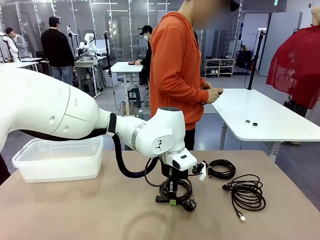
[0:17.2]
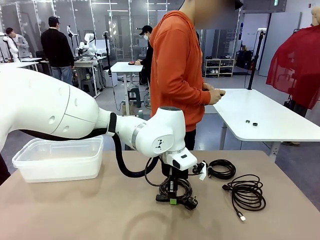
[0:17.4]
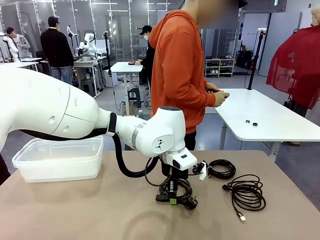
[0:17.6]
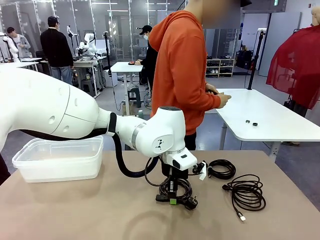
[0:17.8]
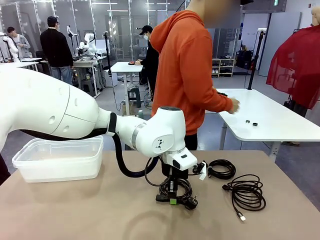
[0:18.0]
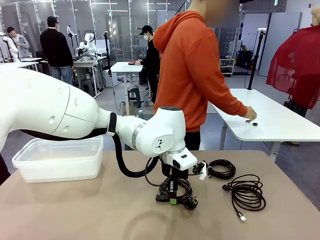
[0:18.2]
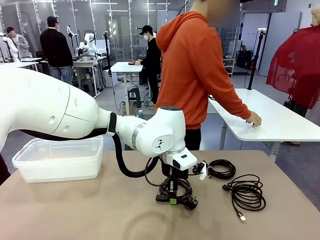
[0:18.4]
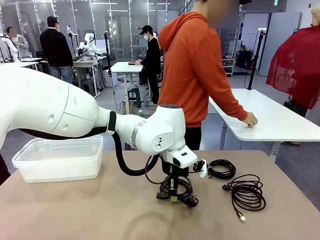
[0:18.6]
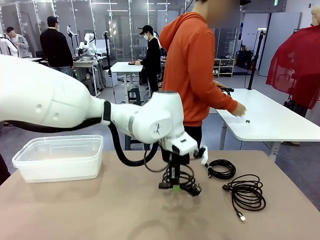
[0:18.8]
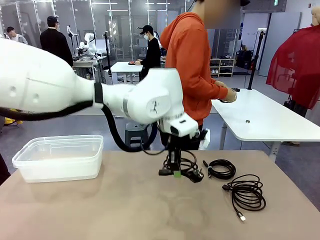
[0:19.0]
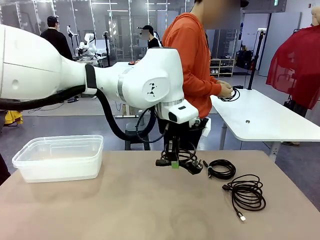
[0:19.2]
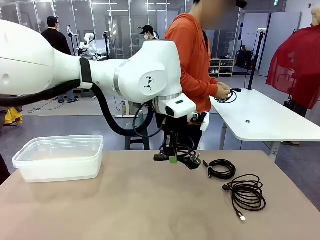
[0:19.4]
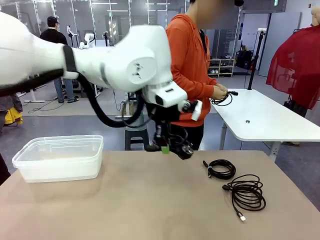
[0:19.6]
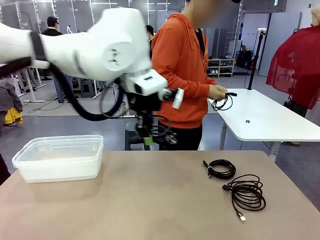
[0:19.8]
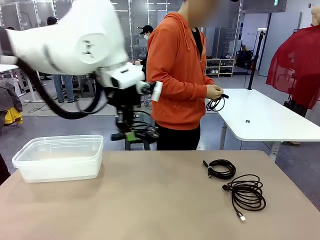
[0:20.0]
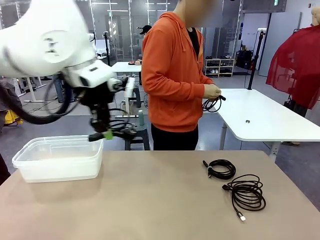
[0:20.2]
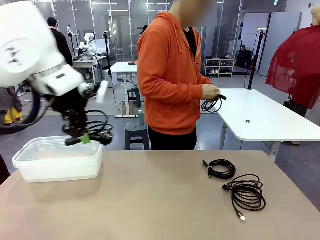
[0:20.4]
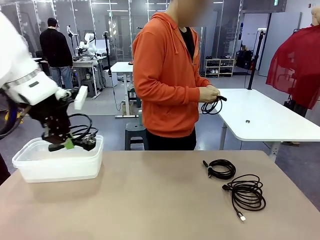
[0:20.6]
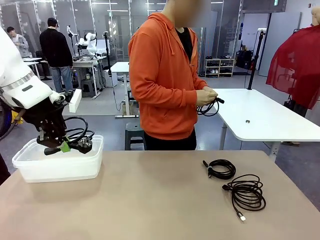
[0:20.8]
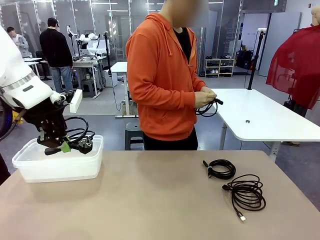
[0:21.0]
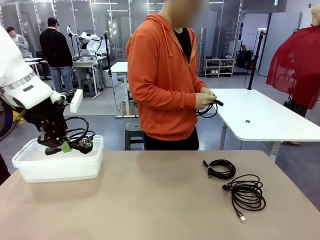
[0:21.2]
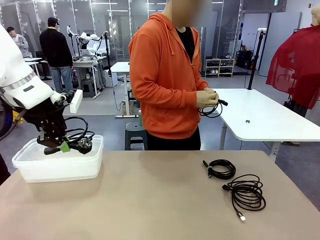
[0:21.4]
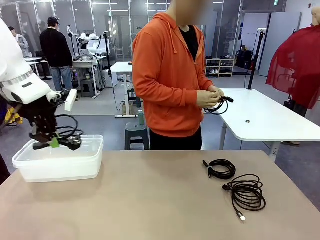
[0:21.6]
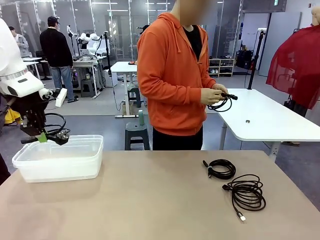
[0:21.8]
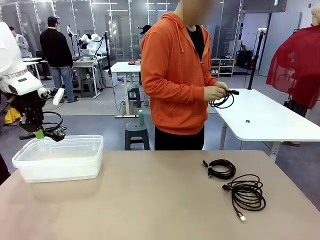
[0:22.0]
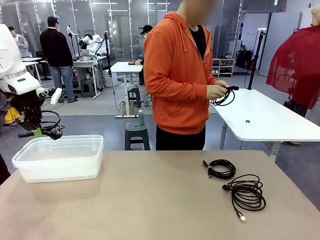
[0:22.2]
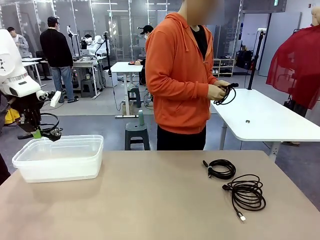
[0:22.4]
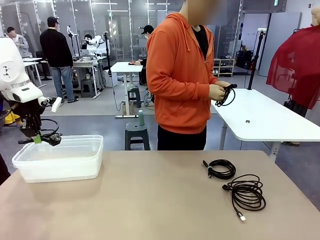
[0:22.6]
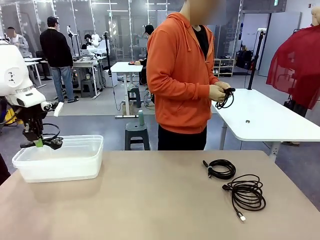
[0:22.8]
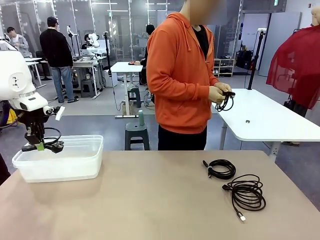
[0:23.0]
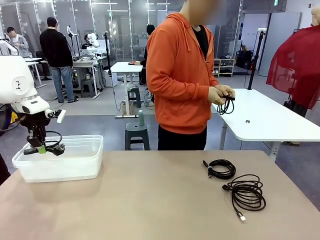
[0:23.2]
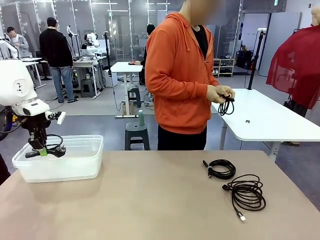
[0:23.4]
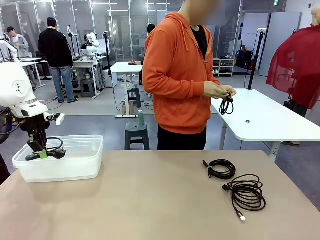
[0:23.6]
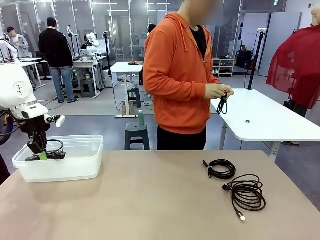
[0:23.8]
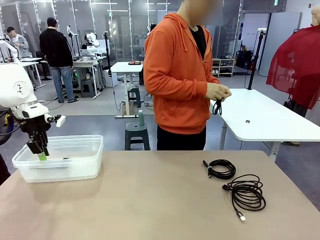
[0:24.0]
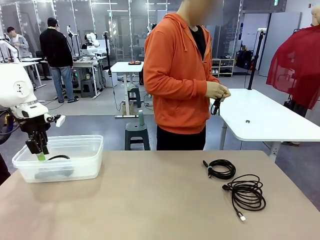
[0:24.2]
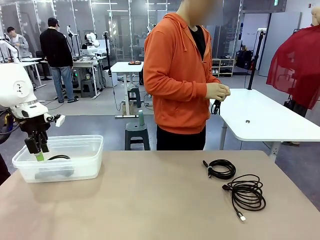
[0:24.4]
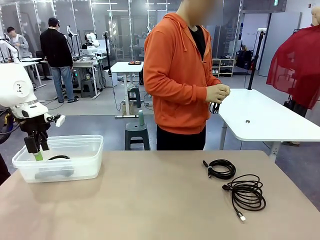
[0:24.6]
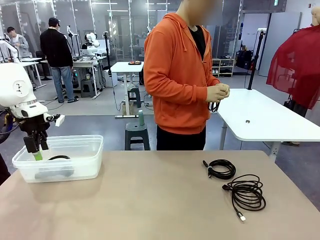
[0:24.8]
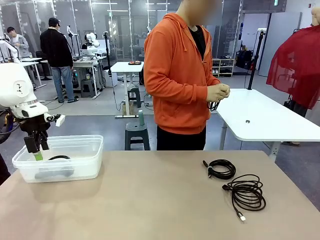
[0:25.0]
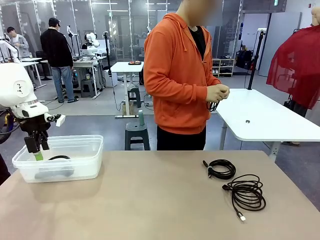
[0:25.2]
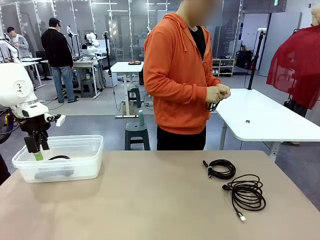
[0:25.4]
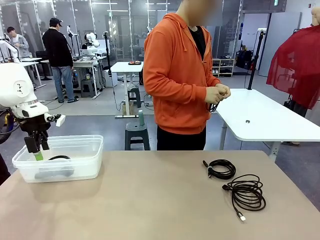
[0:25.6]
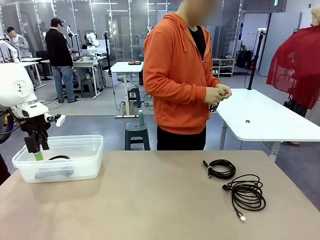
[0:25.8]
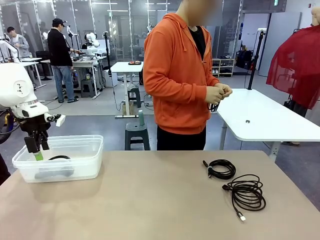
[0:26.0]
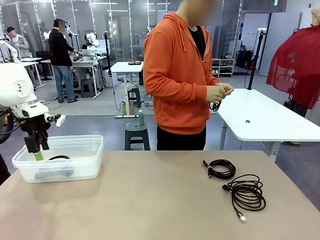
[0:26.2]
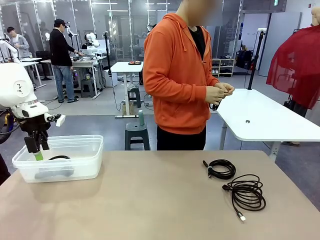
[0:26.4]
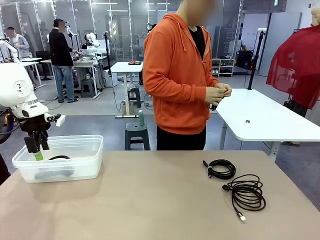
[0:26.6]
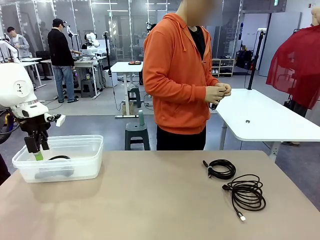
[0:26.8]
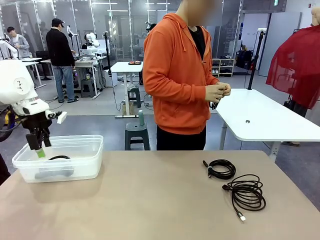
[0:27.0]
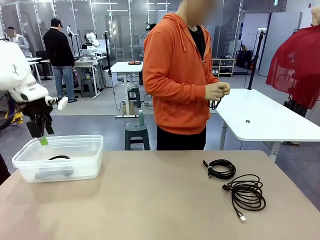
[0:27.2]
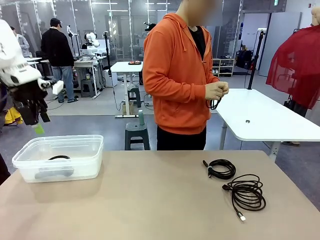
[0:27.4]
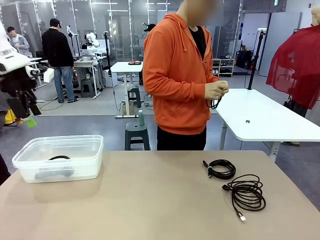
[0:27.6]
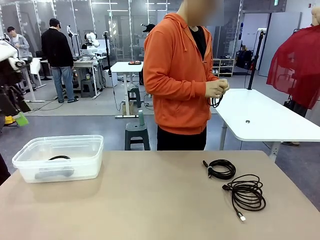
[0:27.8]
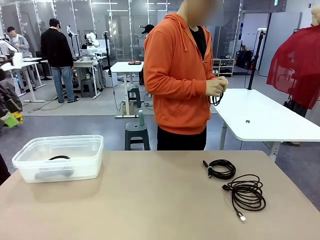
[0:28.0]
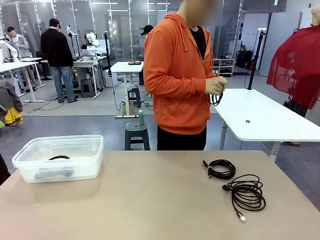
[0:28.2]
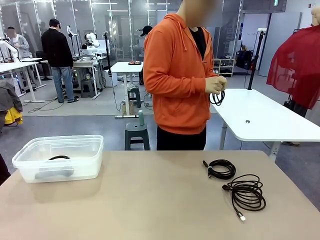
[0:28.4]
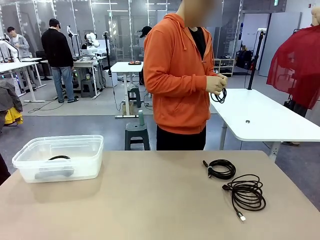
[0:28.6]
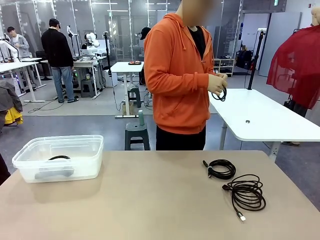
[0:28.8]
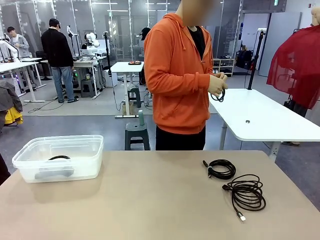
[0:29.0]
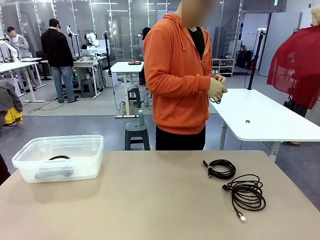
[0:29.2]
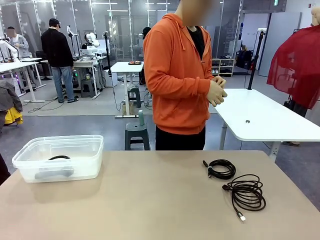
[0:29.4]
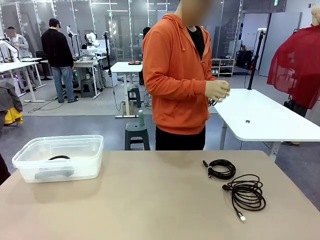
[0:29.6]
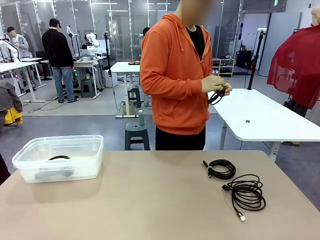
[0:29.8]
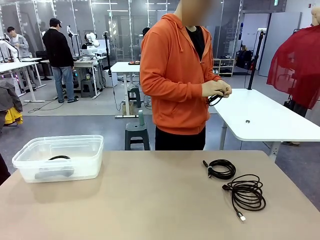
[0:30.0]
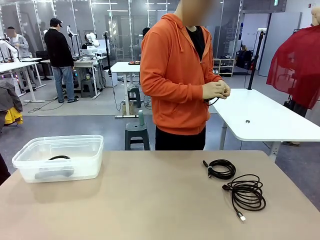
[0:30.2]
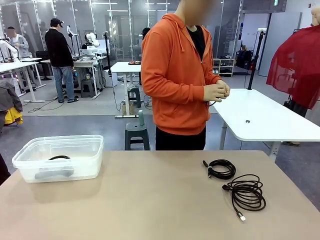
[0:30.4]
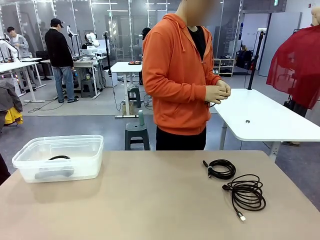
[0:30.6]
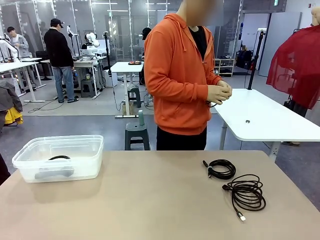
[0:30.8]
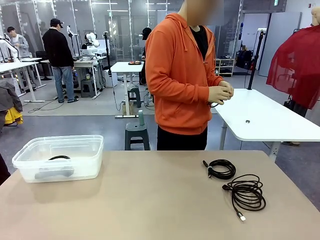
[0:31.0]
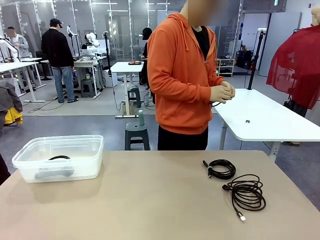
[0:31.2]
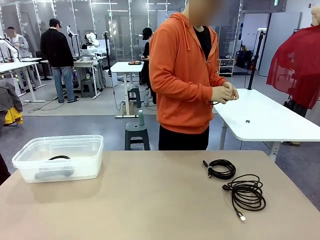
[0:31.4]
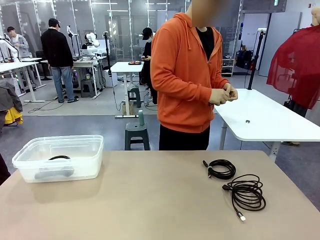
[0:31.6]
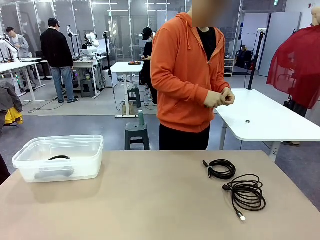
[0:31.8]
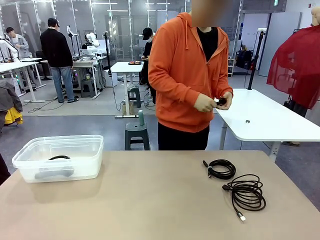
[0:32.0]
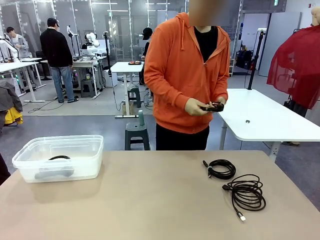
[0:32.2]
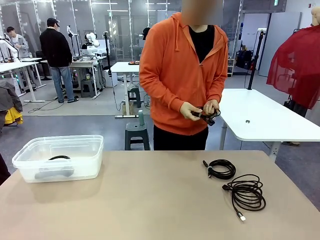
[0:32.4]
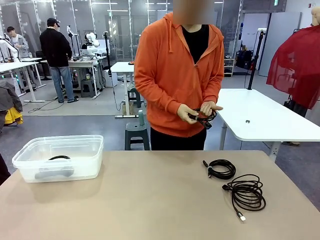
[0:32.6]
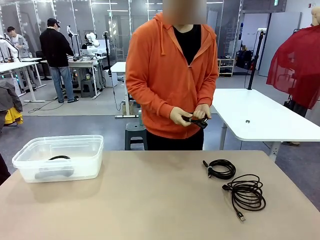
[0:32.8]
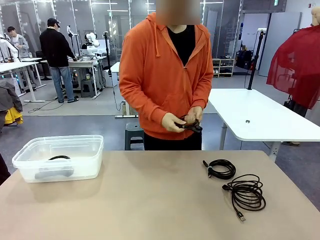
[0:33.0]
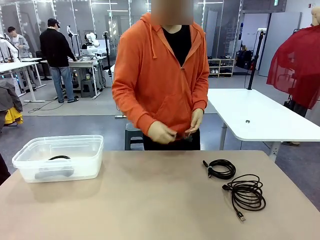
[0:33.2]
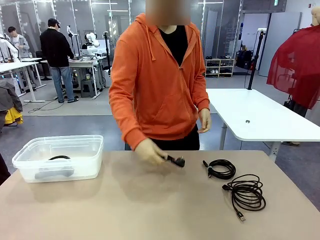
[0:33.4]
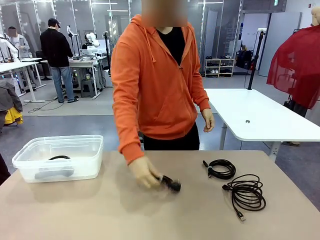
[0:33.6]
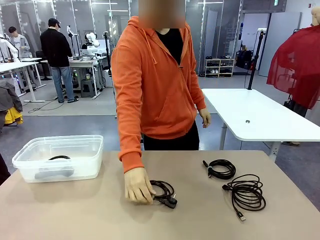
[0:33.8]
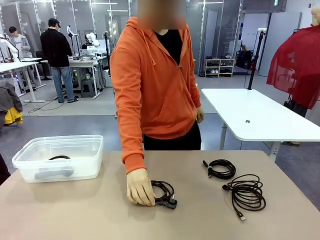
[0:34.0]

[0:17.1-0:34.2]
Task: Organize and store the cables.
Robot: Place the Power Cable into the Organizing box.

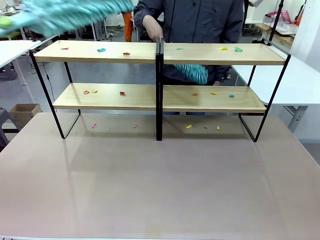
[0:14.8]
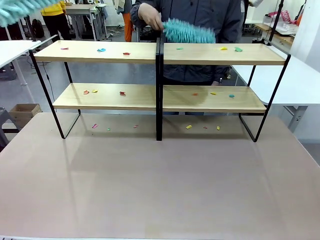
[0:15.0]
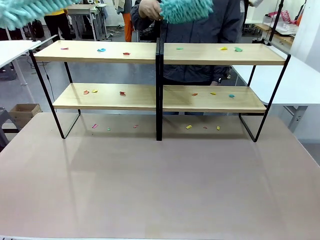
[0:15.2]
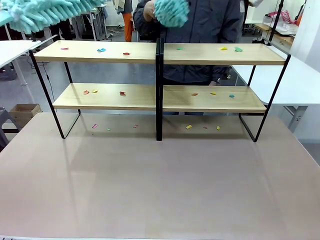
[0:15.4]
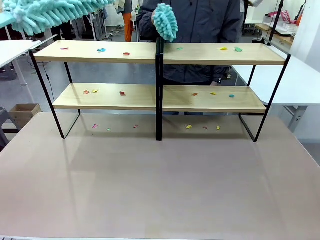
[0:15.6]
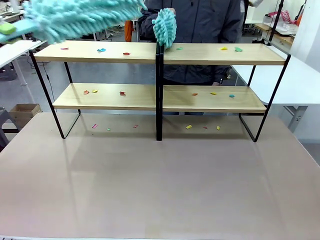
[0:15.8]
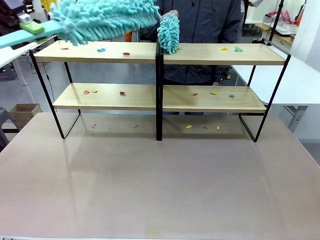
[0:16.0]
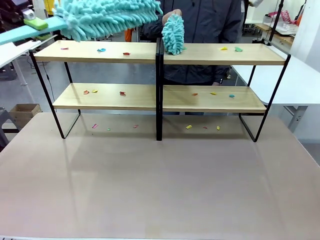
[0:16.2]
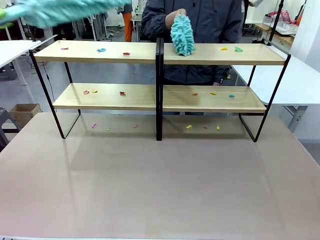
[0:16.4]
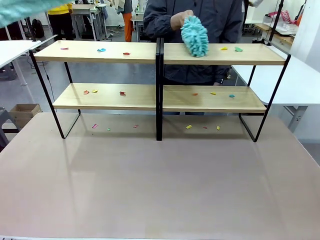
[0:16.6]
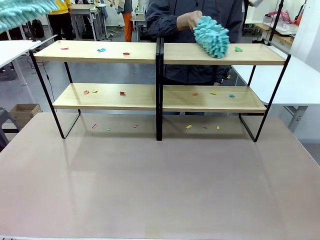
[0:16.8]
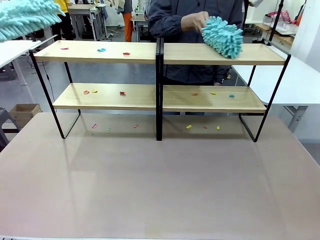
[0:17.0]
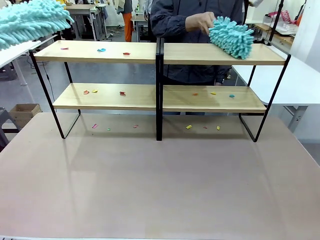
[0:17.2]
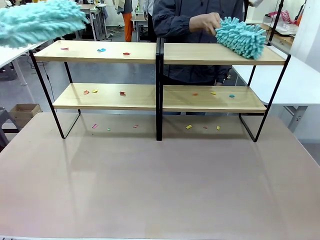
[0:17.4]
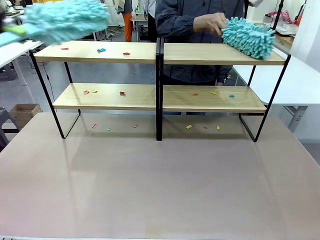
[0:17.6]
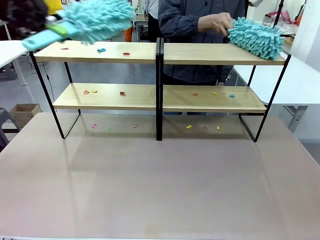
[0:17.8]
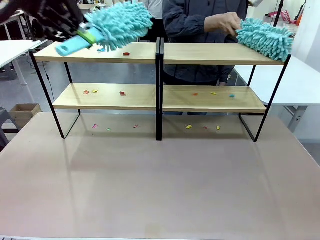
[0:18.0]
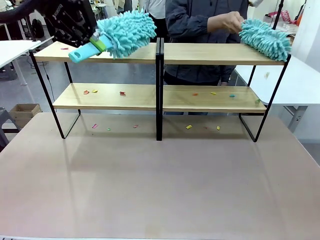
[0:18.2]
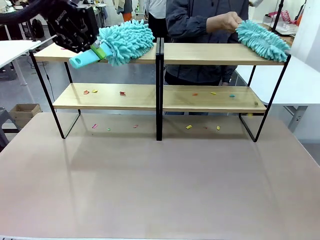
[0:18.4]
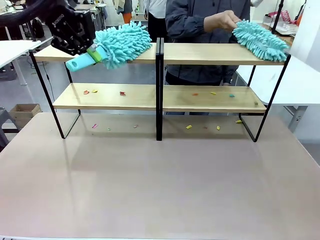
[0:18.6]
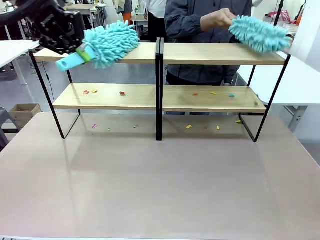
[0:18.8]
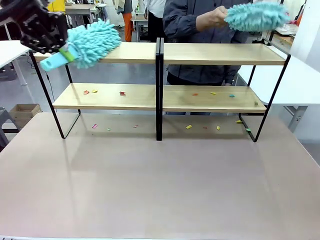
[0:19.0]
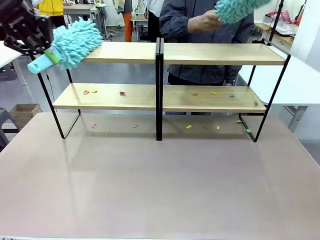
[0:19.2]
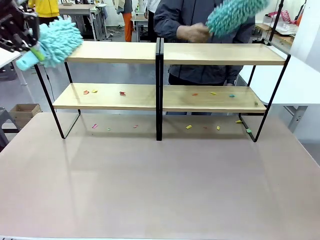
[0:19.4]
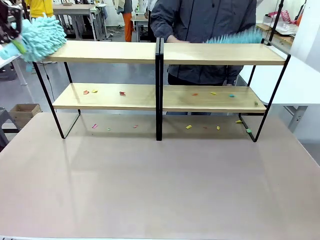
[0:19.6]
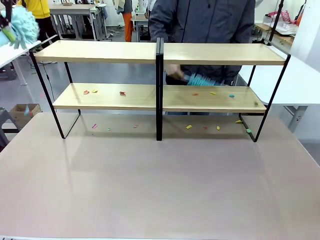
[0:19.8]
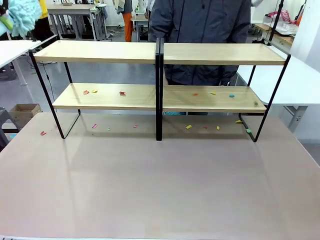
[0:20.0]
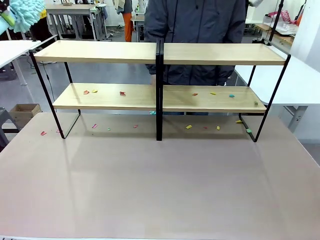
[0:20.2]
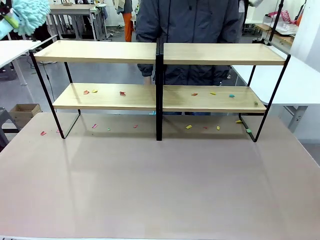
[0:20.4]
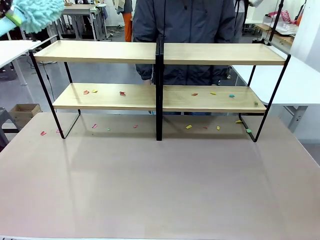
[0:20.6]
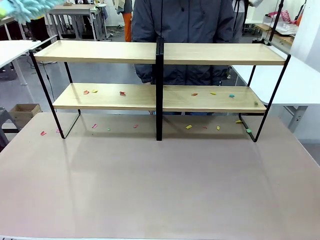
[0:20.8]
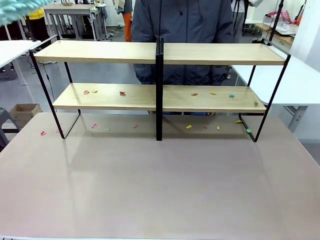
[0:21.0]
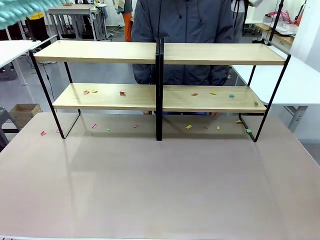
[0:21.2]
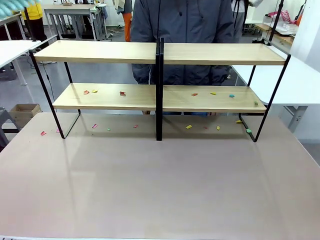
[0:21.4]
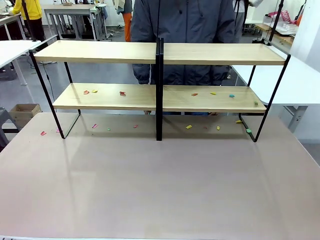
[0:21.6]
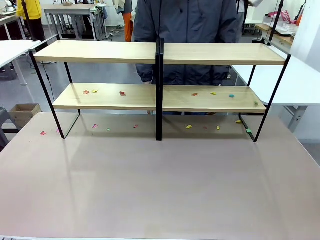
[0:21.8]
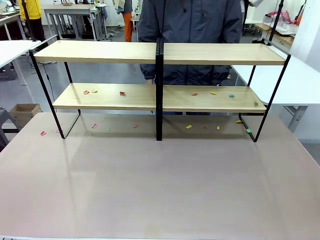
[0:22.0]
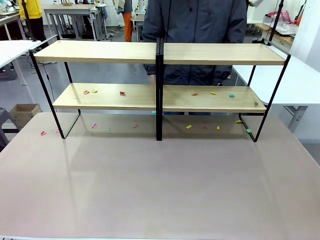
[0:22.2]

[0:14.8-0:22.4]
Task: Clean the shelves.
Robot: Clean a randomly selected level of the Shelf with the Duster.
